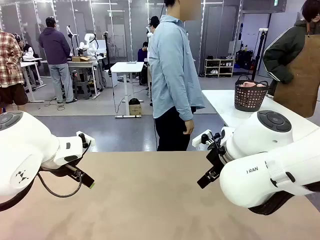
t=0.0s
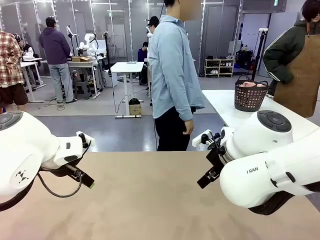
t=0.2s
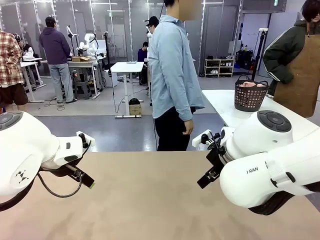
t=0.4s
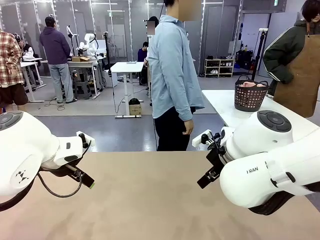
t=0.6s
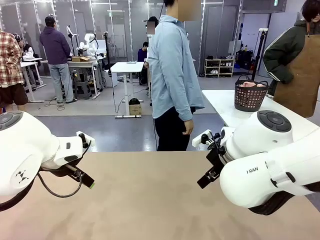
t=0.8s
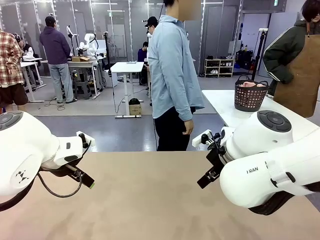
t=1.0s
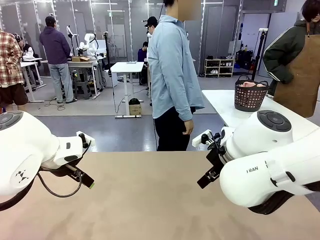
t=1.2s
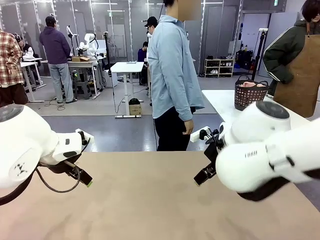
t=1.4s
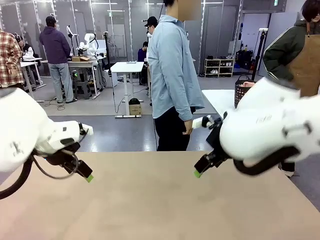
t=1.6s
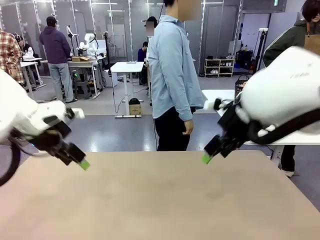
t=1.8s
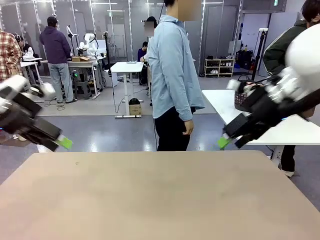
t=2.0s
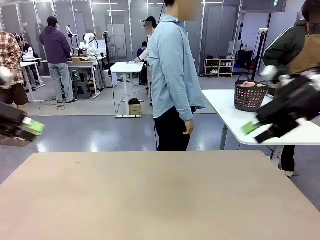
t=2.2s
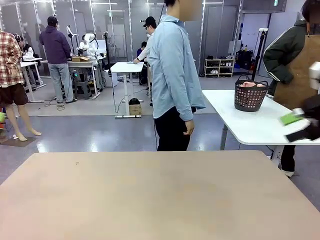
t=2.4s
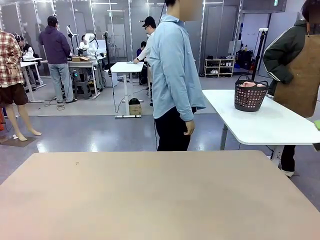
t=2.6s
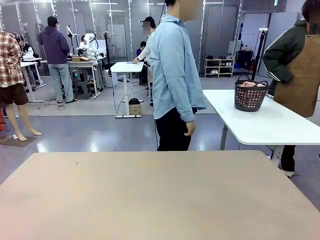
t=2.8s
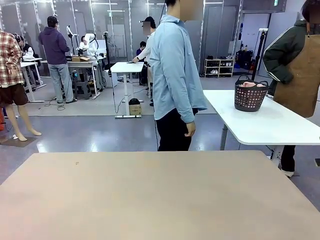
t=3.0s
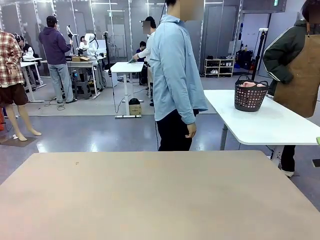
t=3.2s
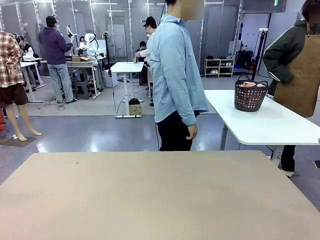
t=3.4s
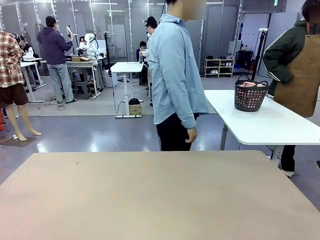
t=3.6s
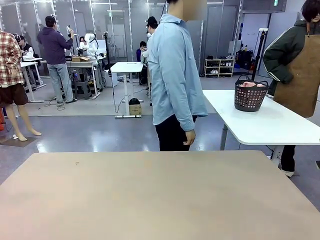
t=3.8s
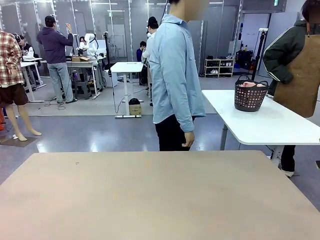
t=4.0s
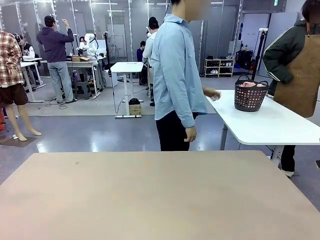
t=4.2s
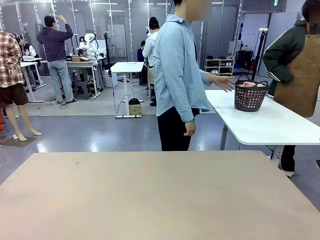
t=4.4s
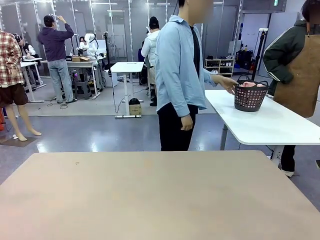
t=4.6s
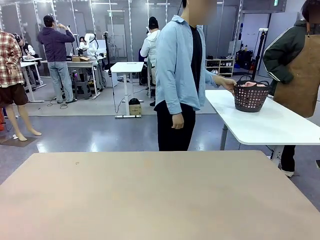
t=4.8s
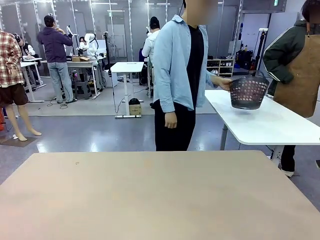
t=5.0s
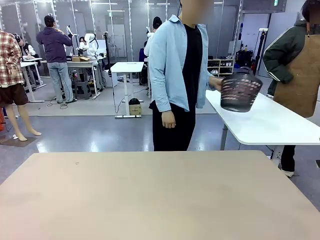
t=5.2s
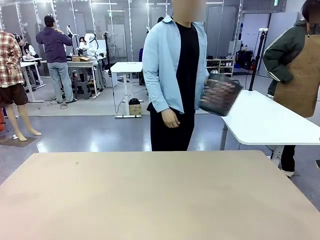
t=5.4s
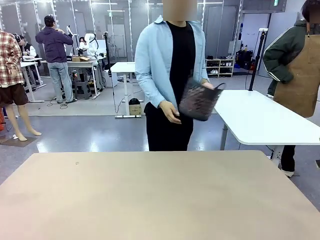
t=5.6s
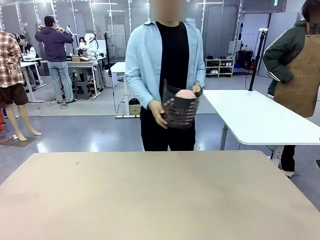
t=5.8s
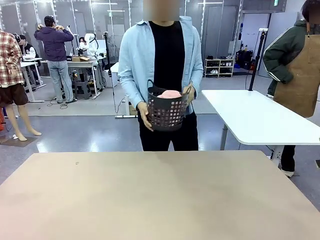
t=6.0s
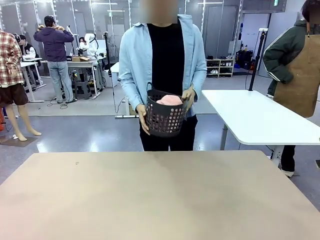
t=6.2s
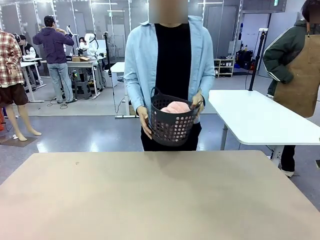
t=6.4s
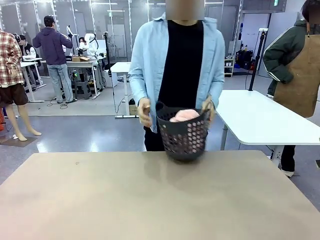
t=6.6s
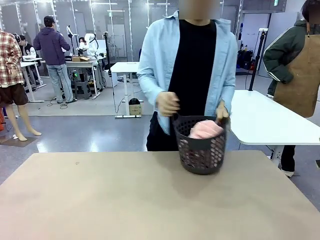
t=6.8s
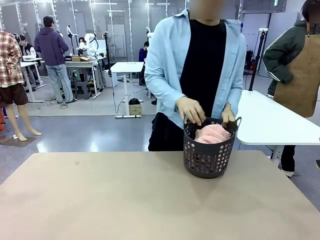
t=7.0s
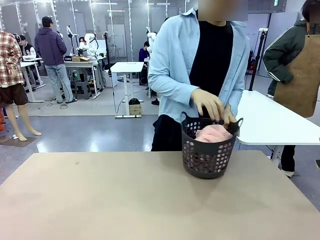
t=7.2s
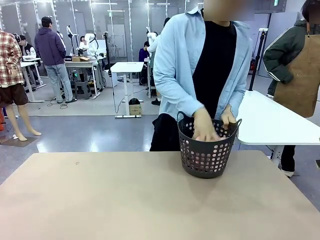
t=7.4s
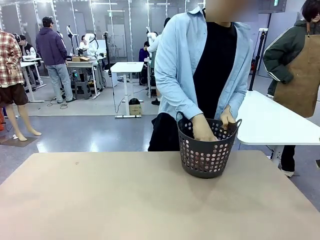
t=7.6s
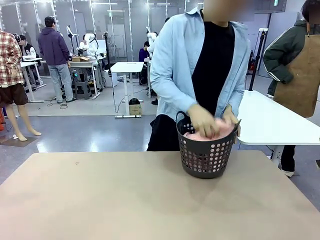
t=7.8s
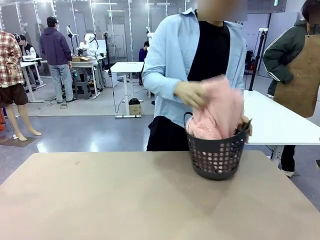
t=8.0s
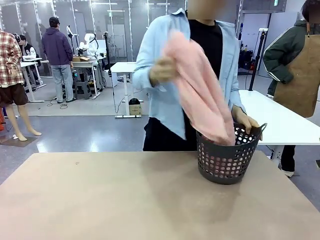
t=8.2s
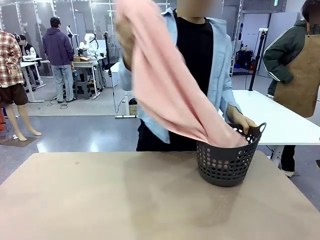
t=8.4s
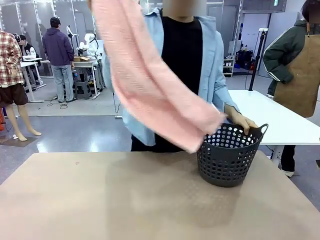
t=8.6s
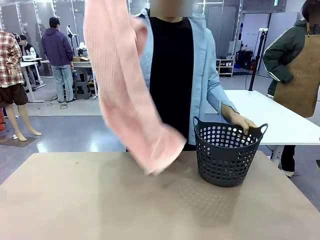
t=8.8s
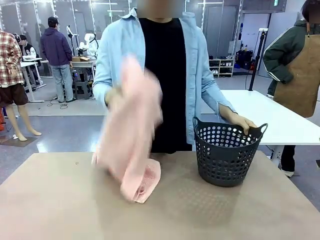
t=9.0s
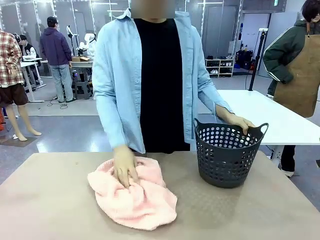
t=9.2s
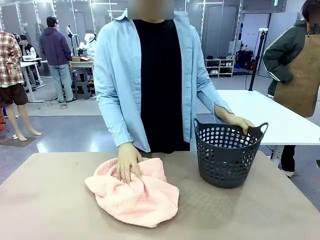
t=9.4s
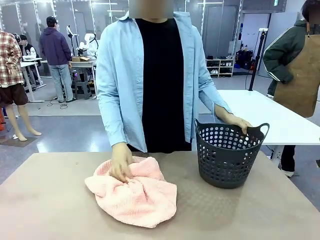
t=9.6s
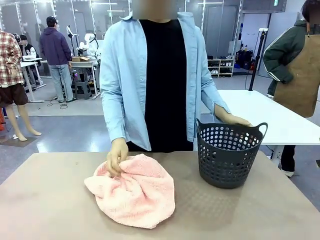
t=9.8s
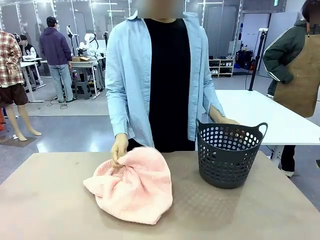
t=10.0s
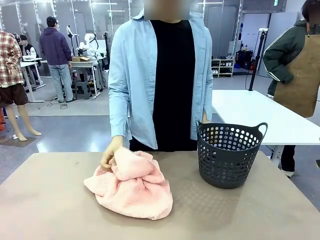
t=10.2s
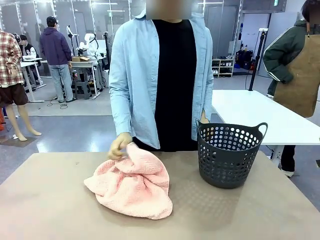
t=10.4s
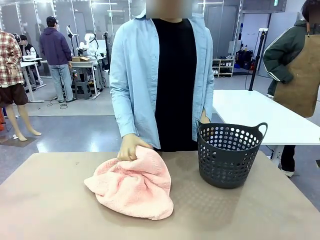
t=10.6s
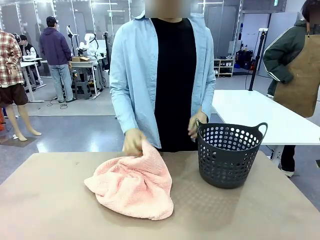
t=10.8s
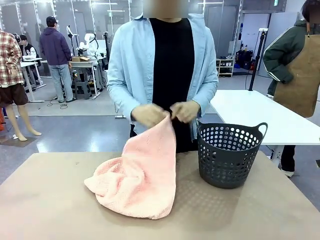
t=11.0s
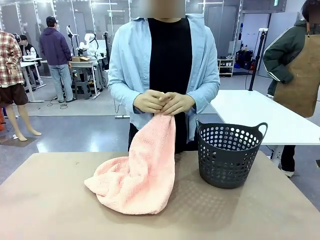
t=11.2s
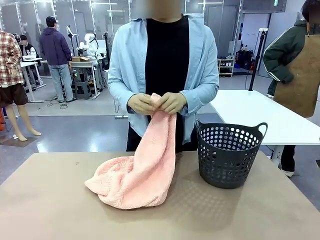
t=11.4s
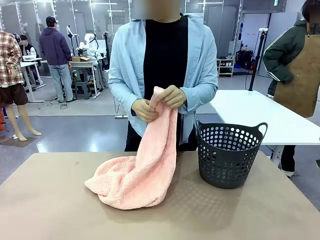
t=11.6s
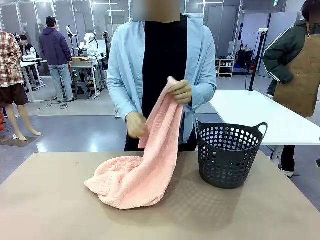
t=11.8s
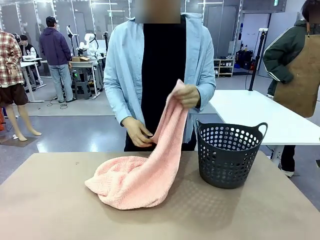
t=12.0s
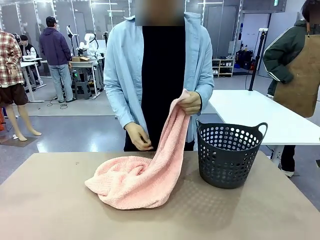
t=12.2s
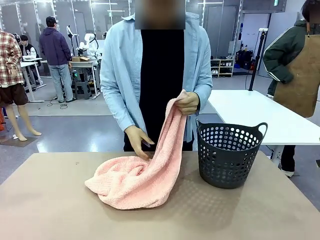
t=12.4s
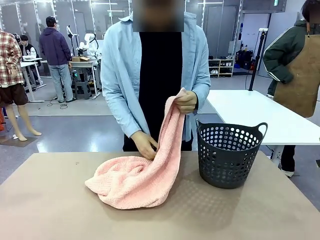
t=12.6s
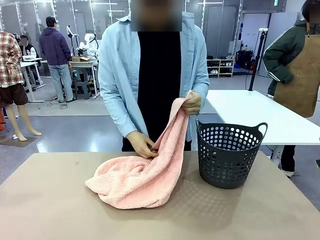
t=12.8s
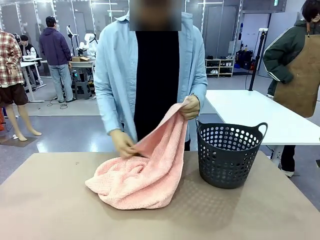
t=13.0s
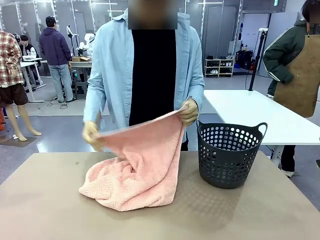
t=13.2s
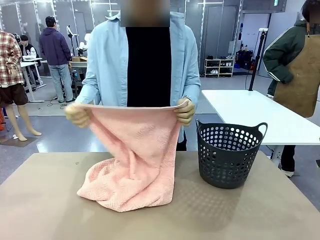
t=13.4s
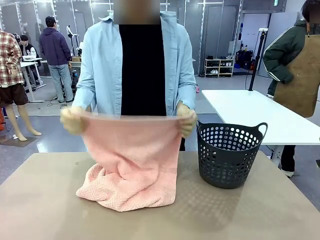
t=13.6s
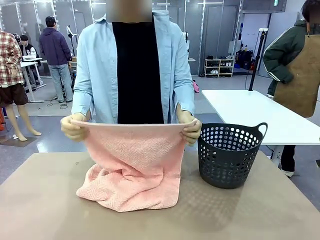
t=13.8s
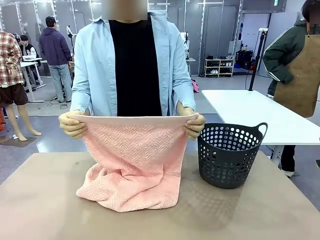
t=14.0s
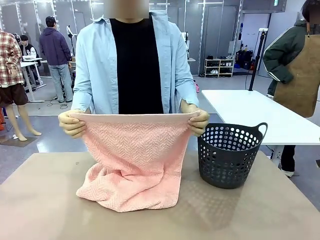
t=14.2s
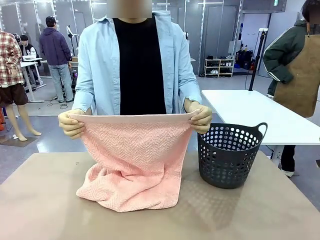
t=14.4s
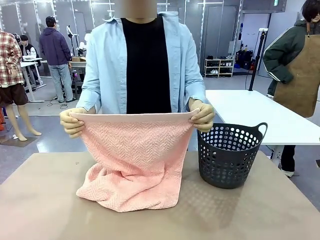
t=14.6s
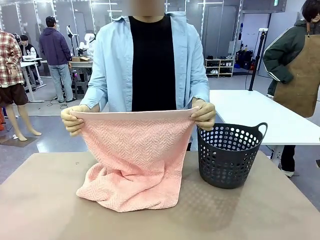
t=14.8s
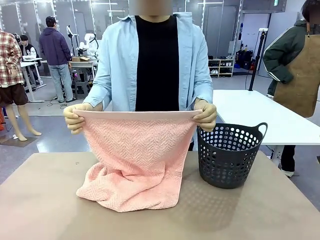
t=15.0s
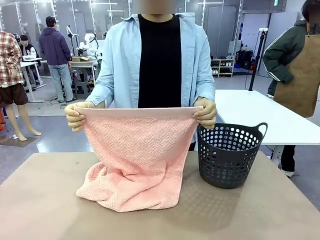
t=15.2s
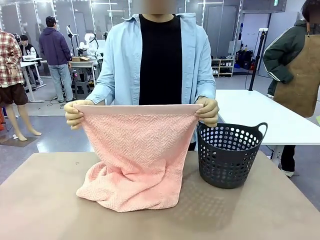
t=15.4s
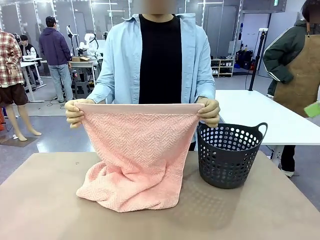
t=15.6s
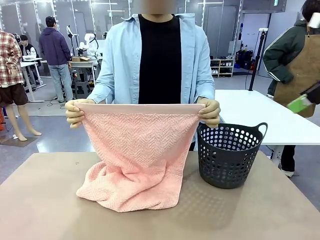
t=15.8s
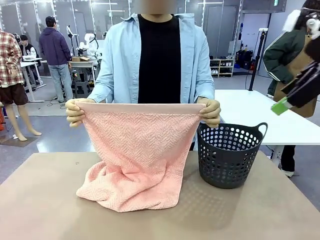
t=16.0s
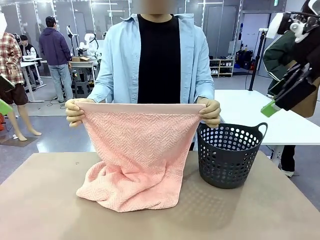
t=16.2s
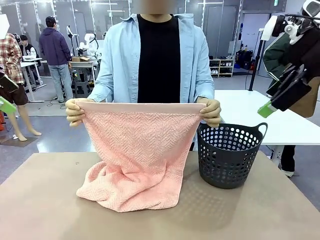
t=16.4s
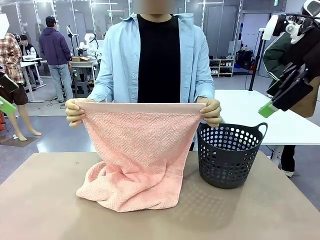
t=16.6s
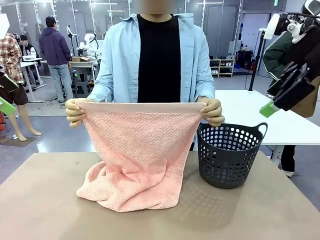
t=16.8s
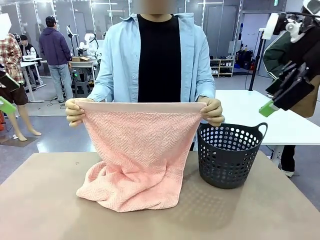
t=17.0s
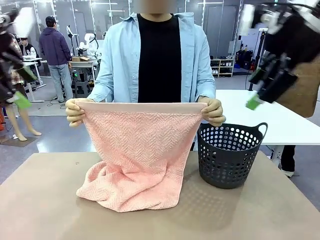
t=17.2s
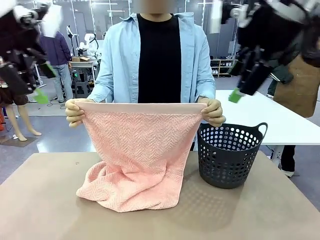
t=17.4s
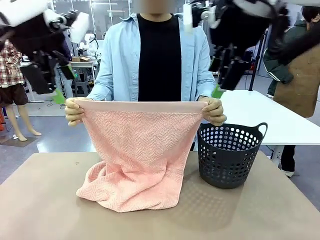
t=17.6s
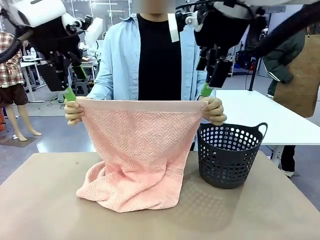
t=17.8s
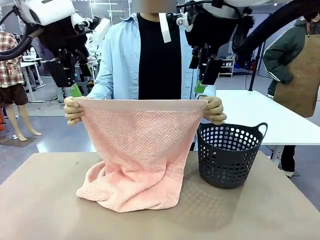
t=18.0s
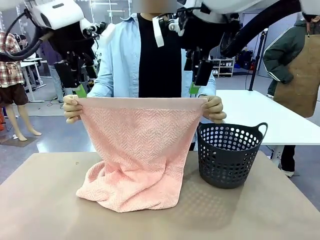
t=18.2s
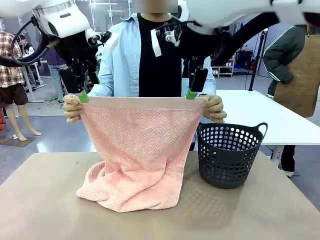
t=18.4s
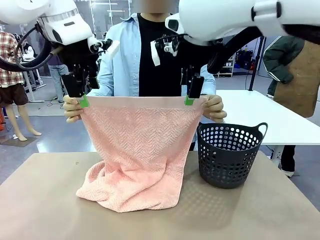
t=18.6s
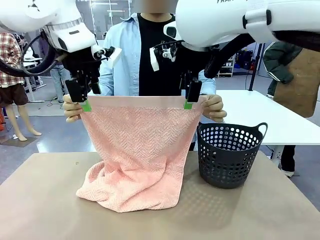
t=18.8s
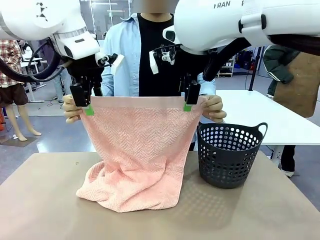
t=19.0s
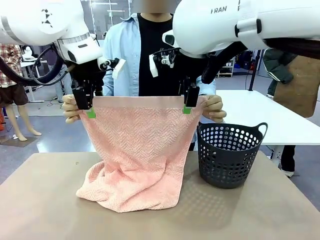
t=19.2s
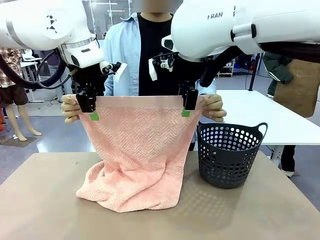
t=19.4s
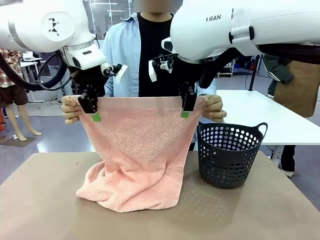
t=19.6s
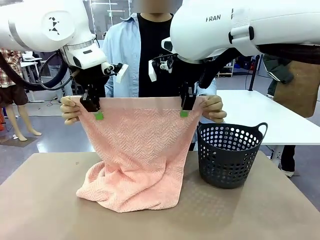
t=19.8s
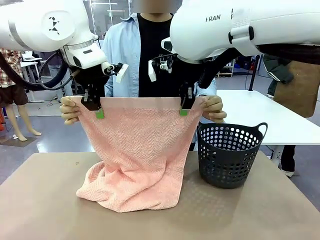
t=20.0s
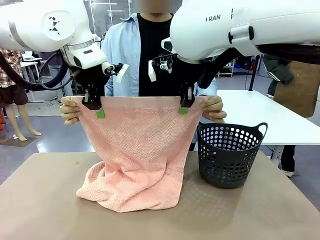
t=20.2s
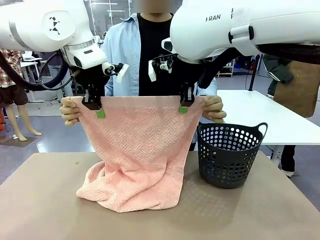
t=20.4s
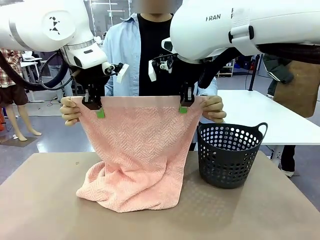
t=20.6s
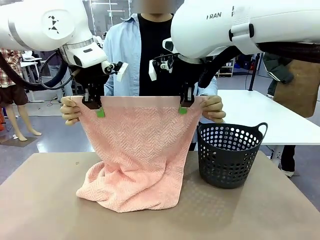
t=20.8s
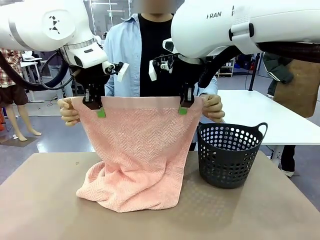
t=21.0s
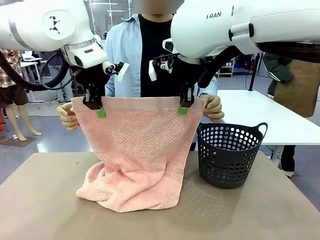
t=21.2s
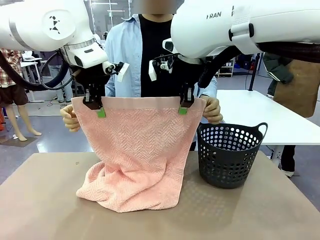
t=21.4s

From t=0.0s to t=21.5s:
Task: Fold the towel.
Robot: Grab the top end of the 100 cm Hotel Towel extended by the human.
Person: Pick up the laundry basket, place it on the left side of the robot table, then take out a towel and hand it to the robot while holding both corners of one end.
